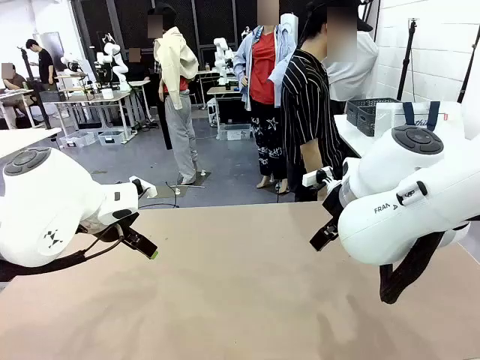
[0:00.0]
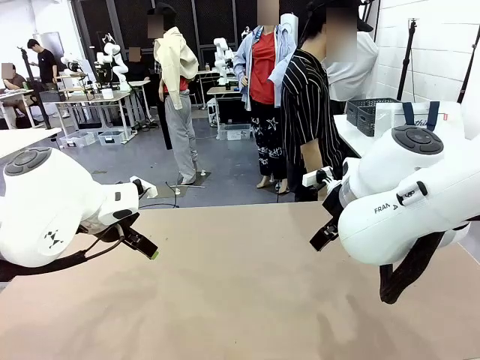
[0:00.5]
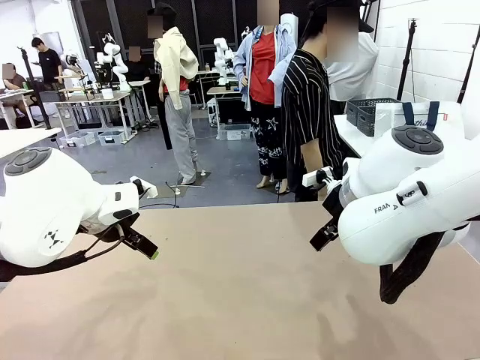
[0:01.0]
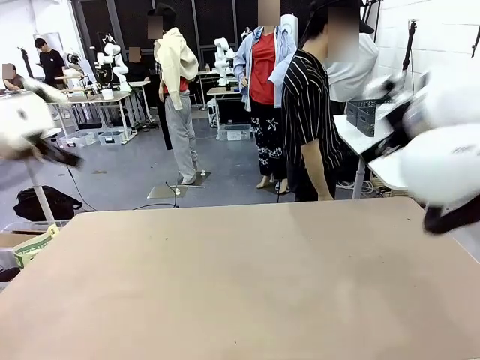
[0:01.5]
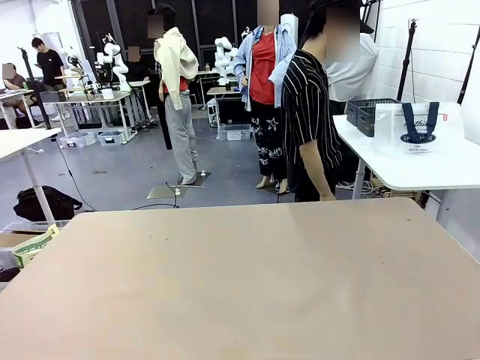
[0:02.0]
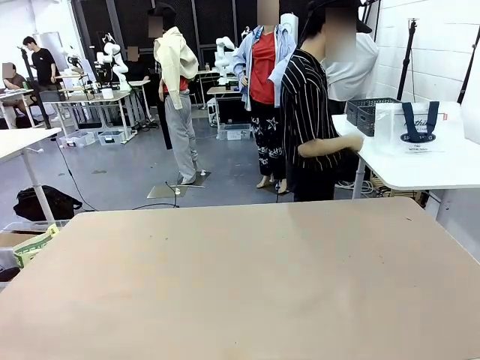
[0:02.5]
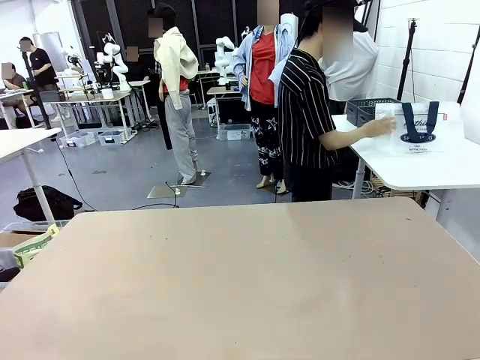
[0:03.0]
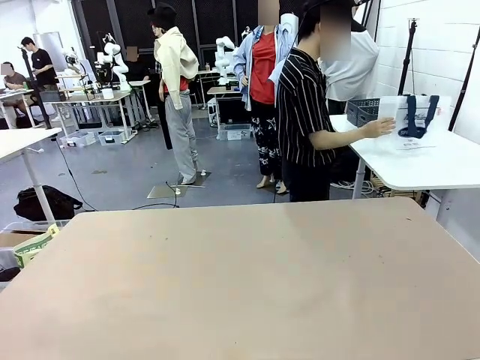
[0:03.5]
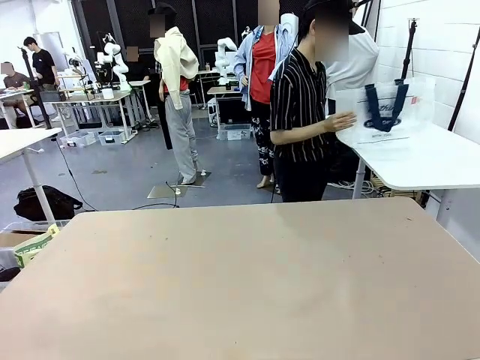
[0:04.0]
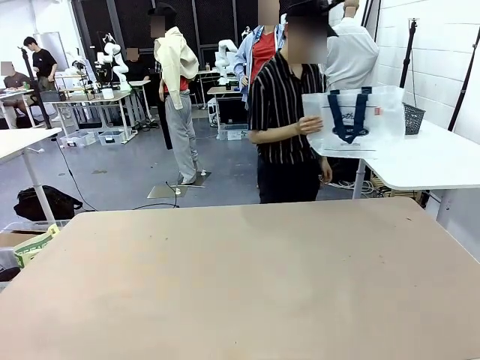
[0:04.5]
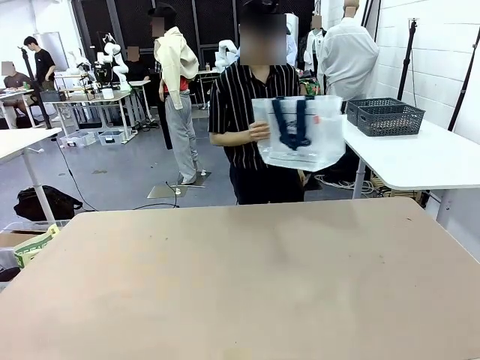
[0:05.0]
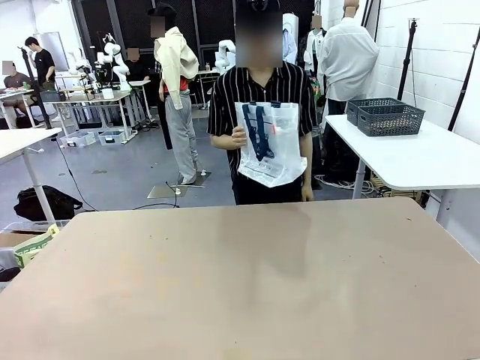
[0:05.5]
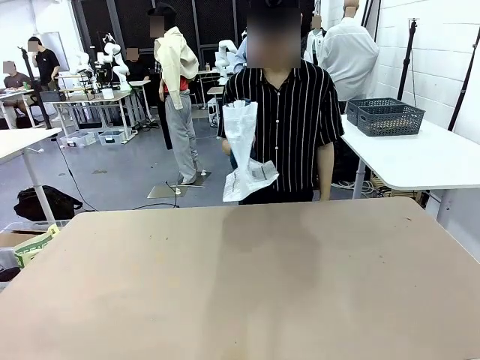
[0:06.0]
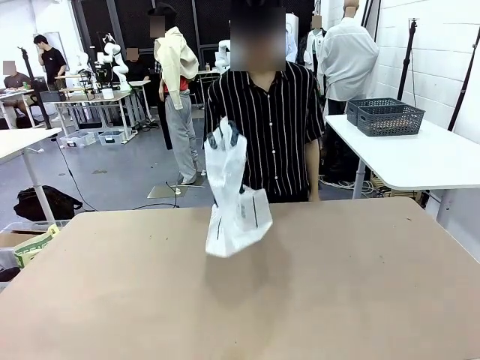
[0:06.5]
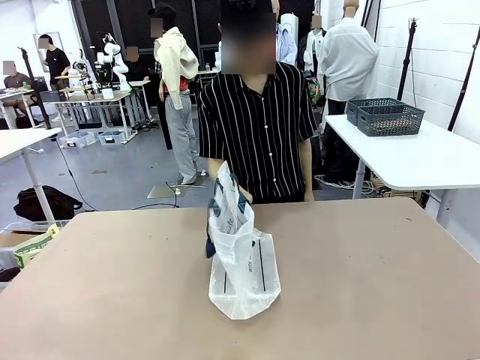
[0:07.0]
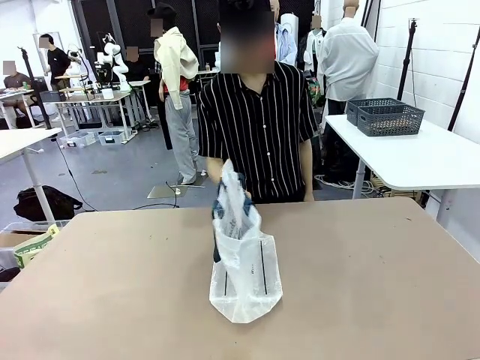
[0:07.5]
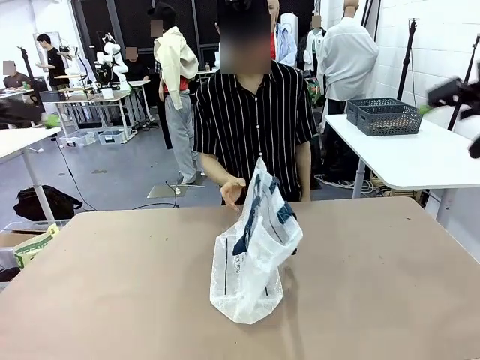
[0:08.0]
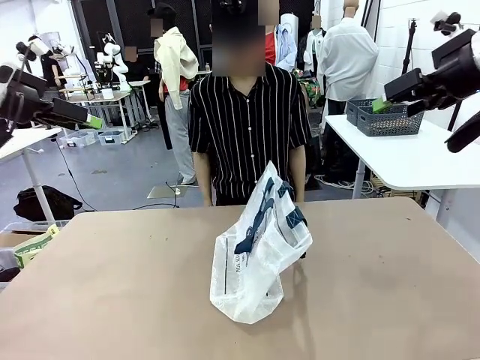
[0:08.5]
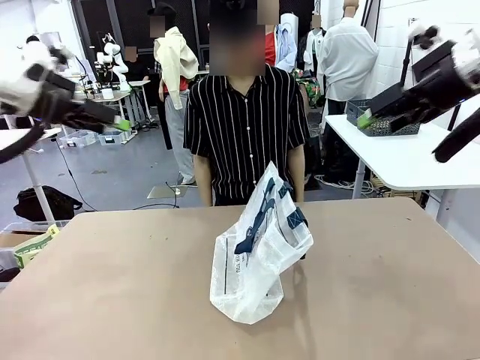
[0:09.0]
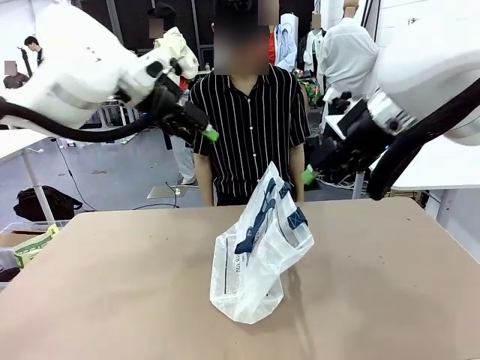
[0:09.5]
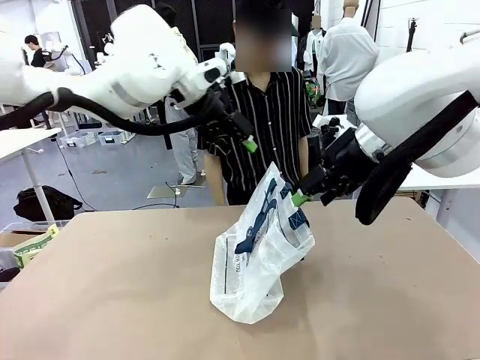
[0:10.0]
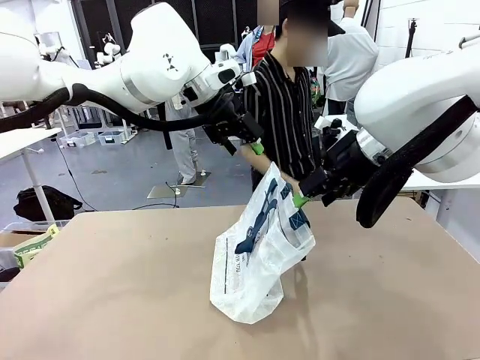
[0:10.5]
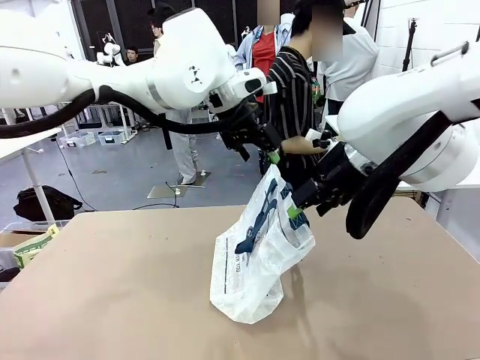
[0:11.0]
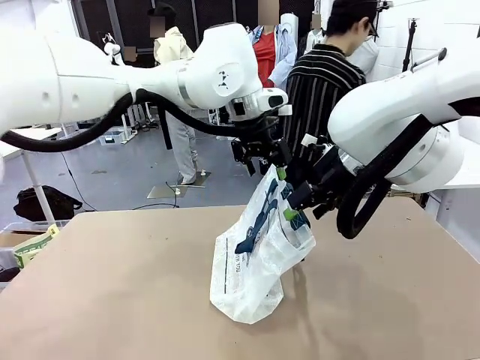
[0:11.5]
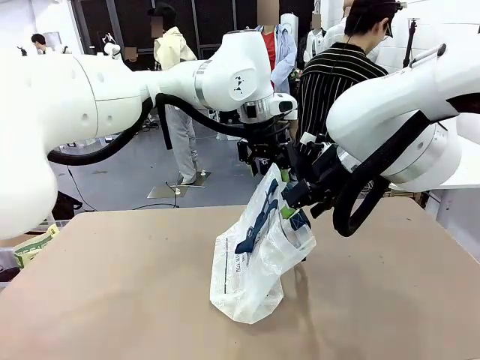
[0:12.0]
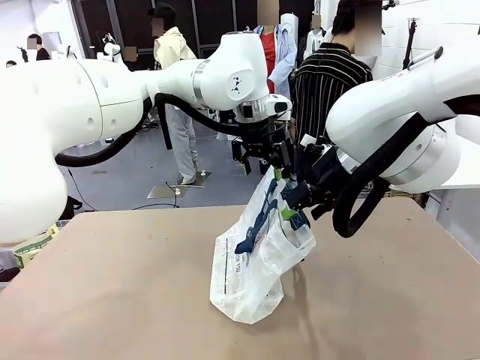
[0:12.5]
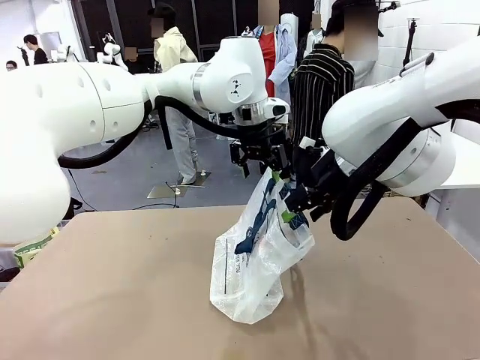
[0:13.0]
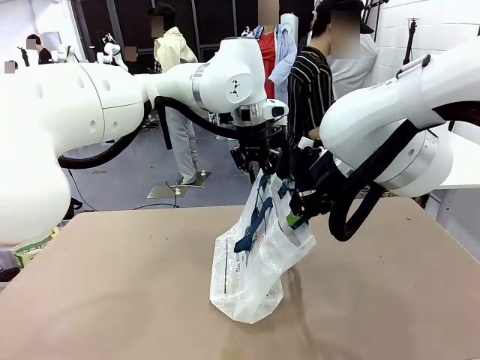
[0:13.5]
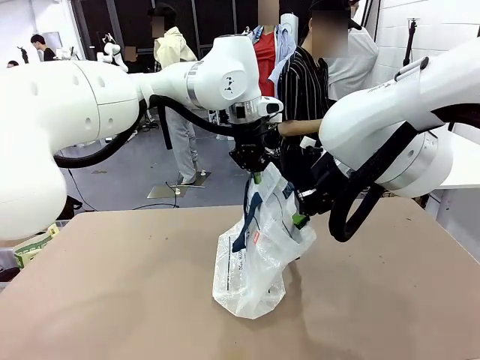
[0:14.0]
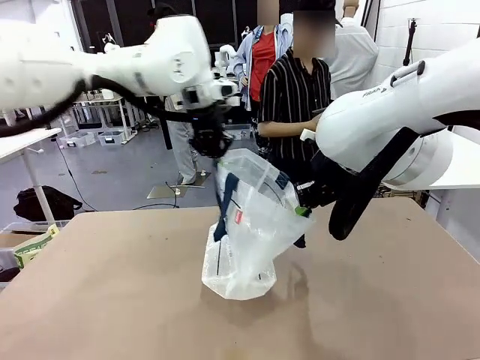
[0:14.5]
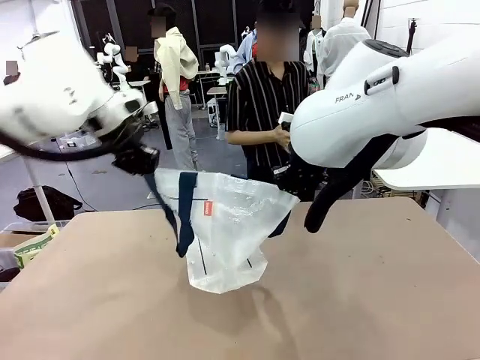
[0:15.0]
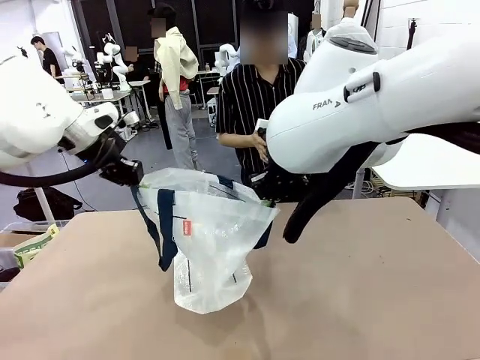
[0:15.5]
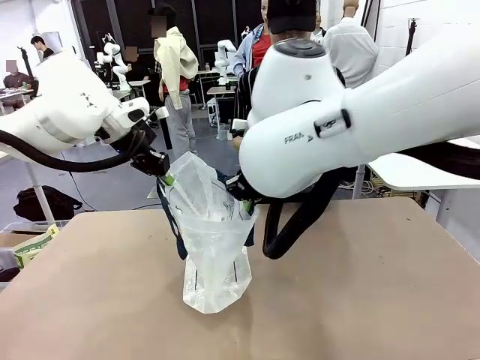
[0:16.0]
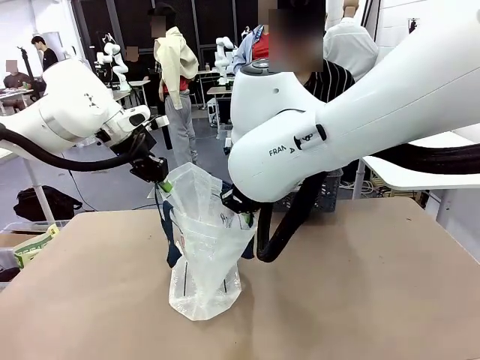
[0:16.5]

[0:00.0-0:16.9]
Task: Transfer purchased items from the store into the shopping bag.
Robot: Open the Reusable shopping bag in the center of the table.
Person: Pick up the shopping bag and place it in the middle of the robot table. Pick up the basket on the right, place it on the left side of the robot table, and move the items in the basket to the shopping bag.
